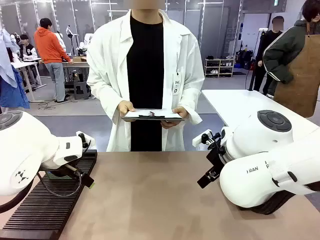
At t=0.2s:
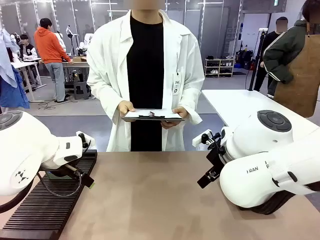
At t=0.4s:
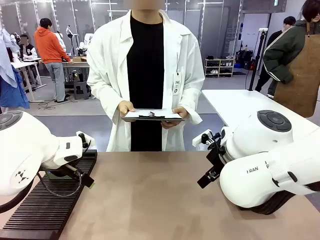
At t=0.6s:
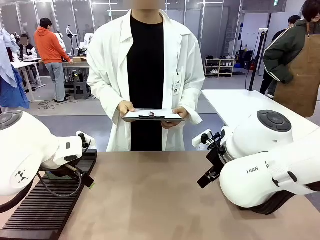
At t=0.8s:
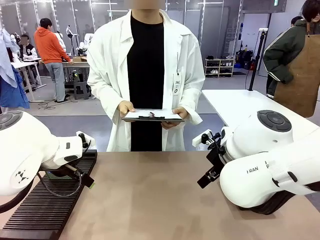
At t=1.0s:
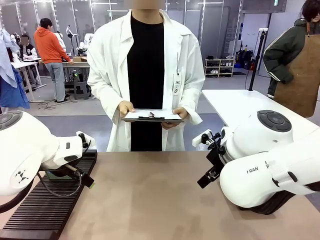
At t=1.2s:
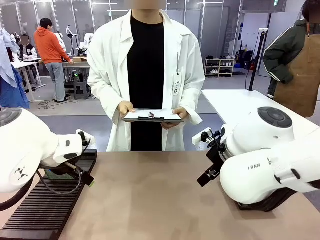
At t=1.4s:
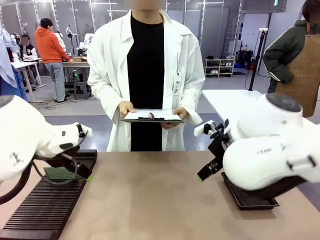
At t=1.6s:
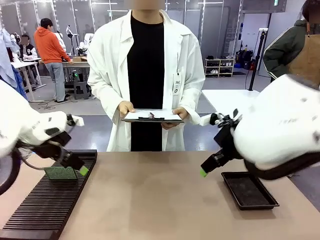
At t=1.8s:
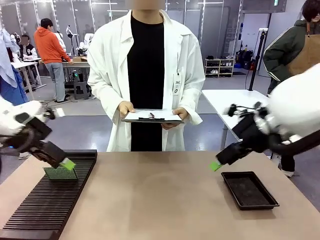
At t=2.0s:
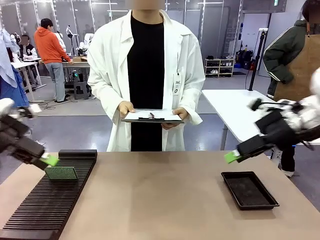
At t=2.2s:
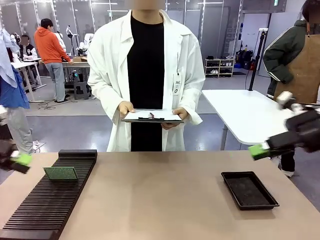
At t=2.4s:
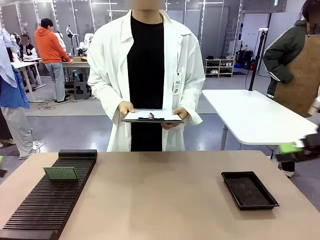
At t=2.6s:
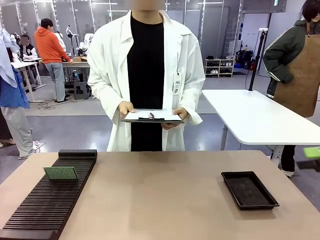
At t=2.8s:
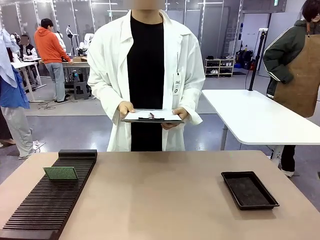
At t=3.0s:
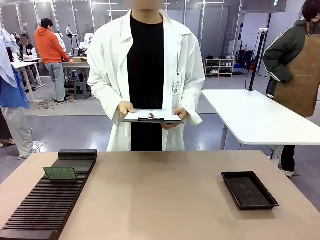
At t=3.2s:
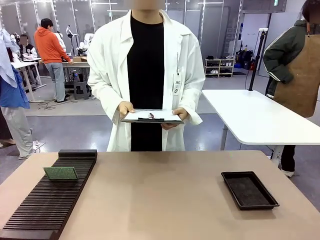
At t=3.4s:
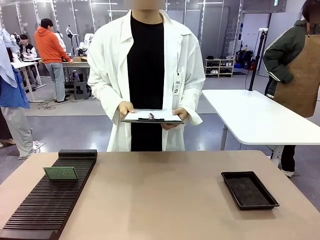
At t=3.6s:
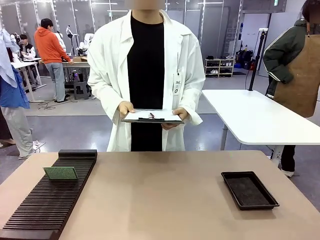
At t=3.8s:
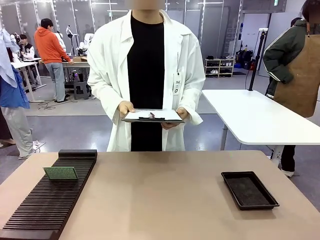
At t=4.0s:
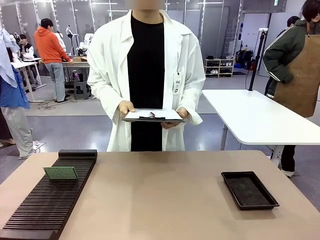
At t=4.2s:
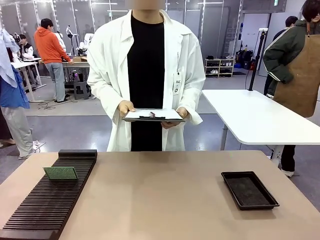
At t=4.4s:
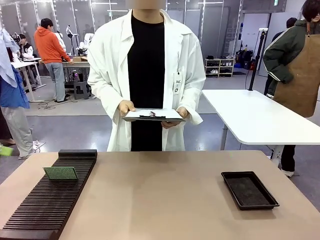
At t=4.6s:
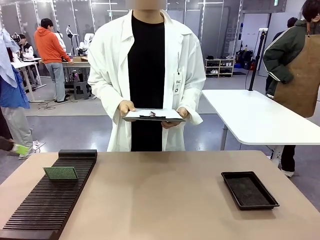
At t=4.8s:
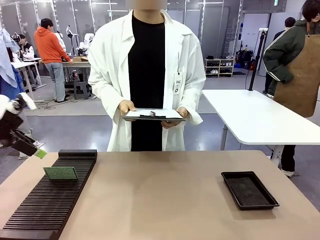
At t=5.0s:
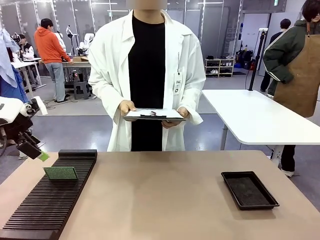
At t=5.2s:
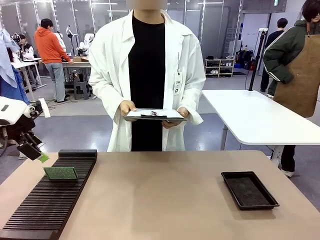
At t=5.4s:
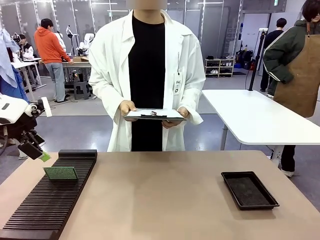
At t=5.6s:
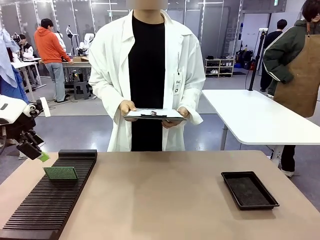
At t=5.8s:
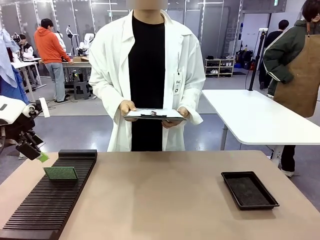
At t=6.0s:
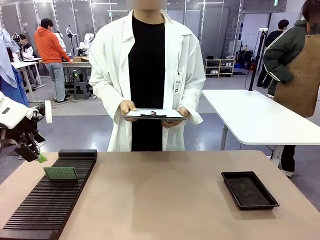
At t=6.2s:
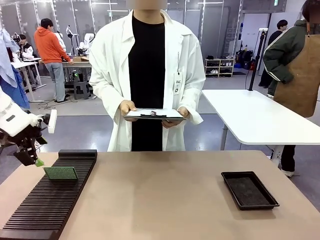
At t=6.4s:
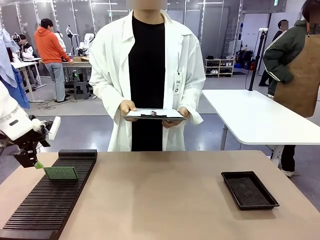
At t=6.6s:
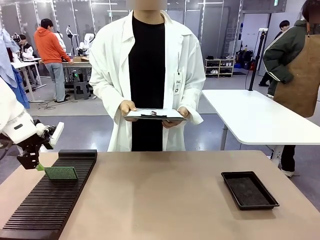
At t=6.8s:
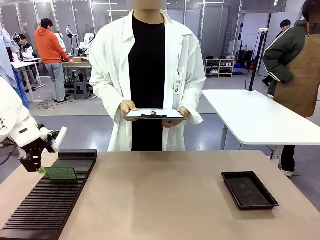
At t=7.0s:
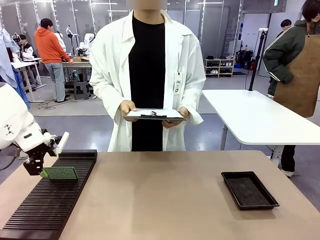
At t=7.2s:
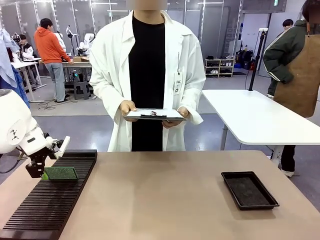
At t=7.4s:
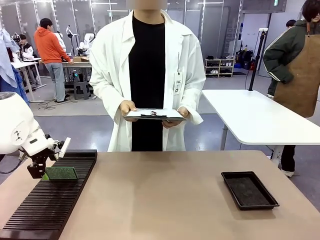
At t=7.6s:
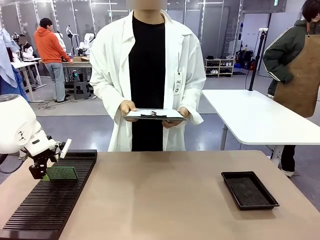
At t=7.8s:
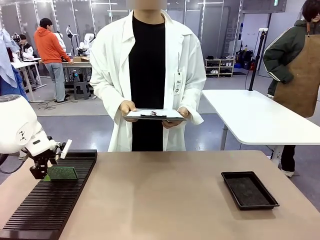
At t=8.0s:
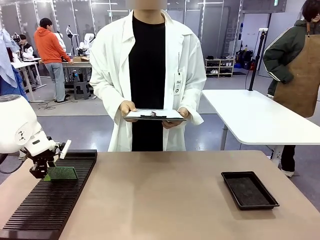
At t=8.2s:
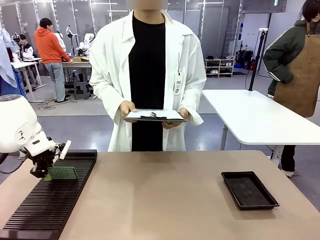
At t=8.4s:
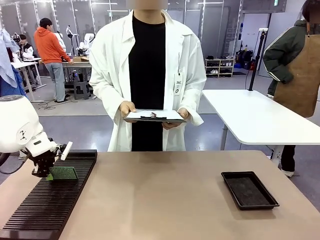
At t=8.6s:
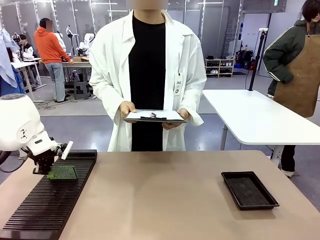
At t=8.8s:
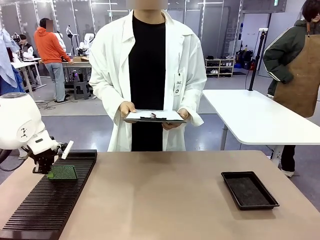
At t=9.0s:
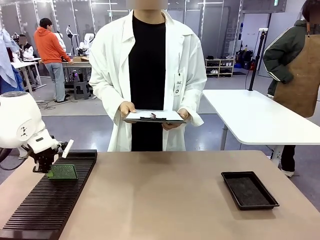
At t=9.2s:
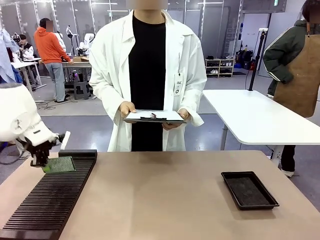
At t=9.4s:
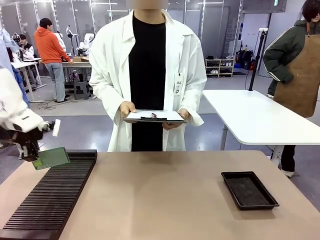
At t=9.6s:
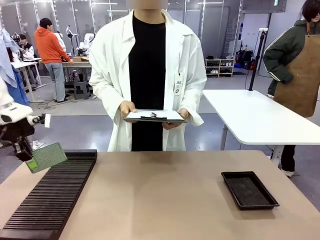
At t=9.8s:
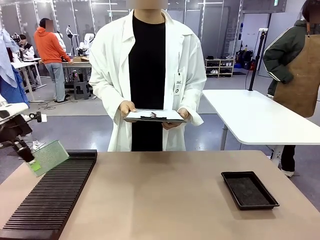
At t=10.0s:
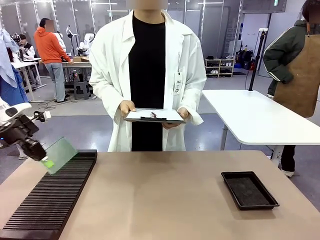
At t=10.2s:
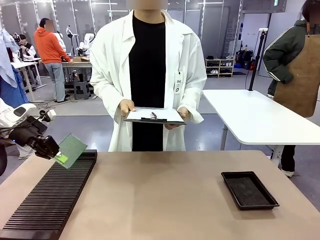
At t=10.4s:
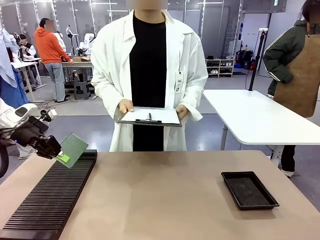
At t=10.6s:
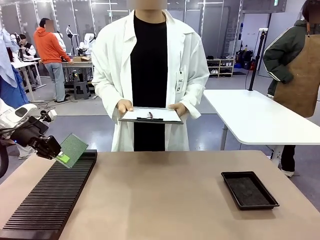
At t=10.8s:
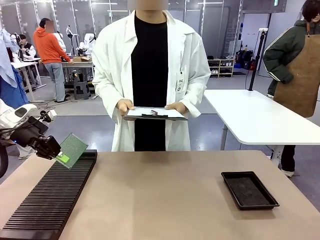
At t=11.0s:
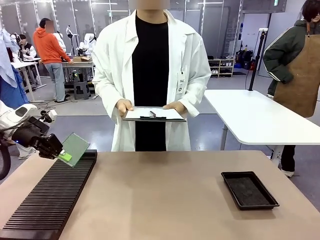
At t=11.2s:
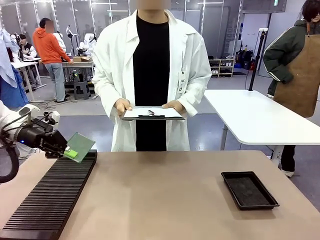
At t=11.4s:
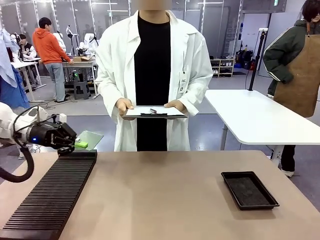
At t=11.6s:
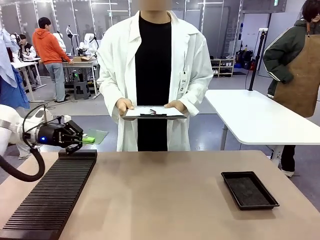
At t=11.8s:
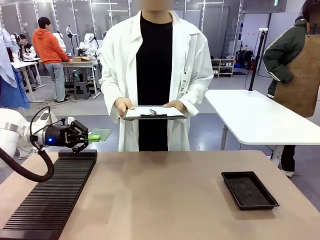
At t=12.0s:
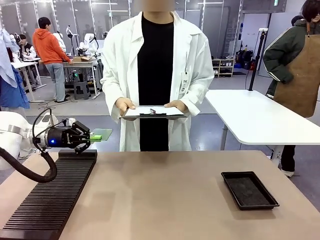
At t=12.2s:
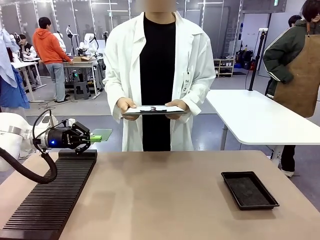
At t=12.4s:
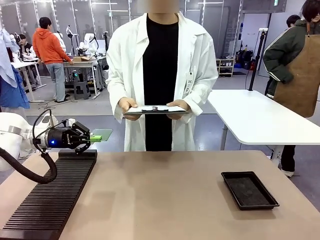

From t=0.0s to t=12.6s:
Task: Inspect the PCB.
Robot: Pick up the Blank PCB and present it to the human.
Person: Pick up the PCB presented by the robot.

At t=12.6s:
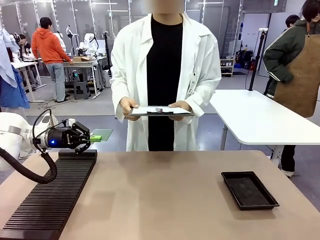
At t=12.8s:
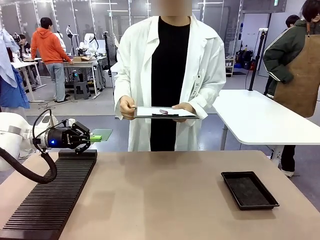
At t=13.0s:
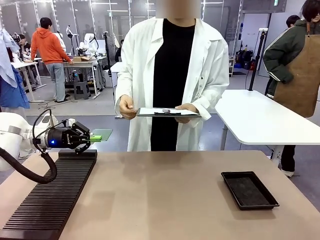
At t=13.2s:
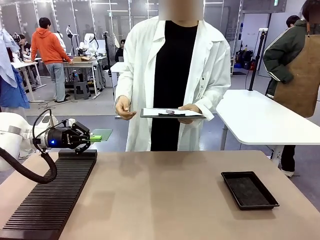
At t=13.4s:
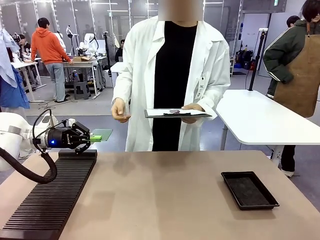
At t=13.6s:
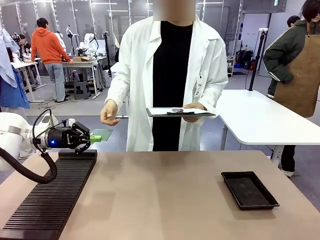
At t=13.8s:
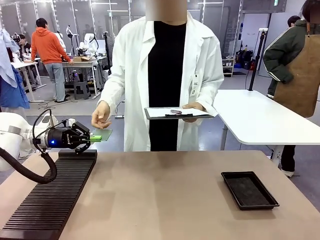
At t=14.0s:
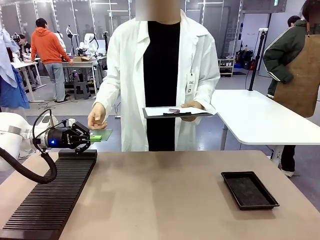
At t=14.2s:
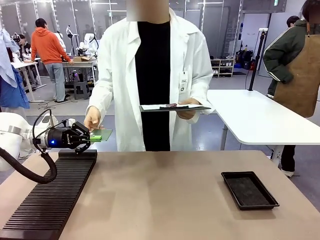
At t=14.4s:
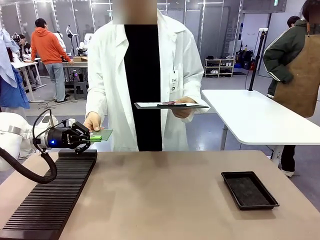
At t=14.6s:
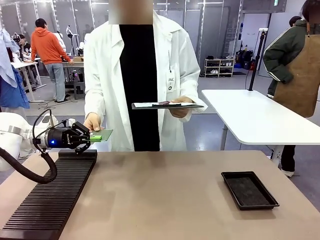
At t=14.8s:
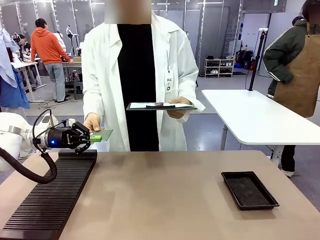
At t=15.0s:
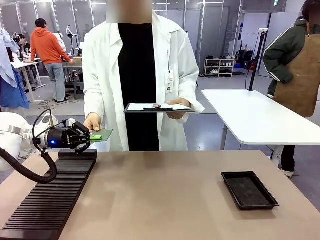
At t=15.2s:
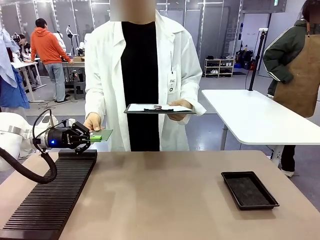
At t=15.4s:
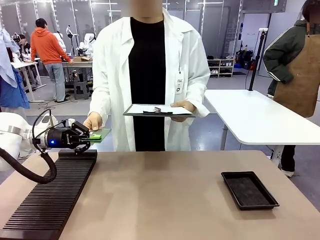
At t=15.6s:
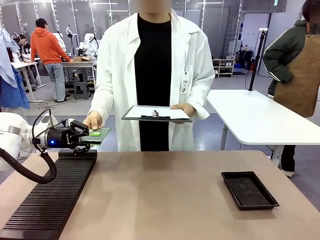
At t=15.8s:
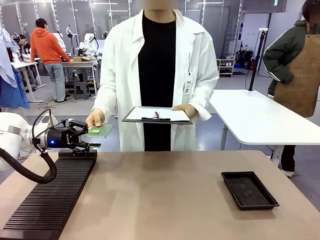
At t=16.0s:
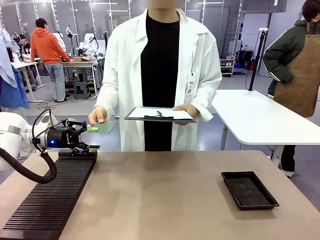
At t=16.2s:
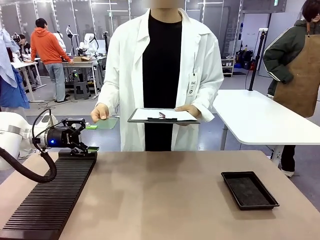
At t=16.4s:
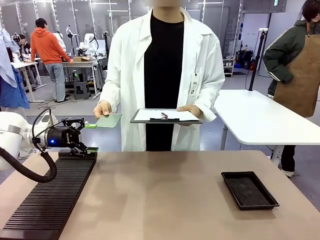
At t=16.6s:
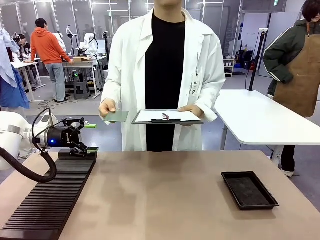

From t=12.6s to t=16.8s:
Robot: Release the Blank PCB you were holding.

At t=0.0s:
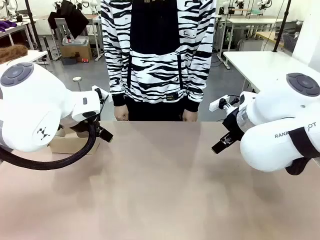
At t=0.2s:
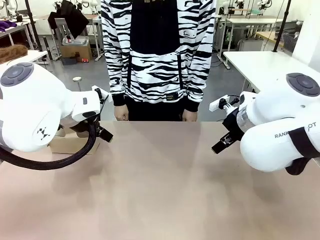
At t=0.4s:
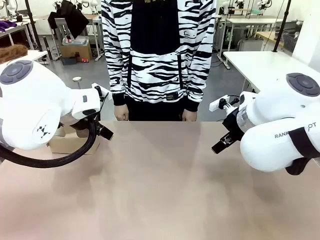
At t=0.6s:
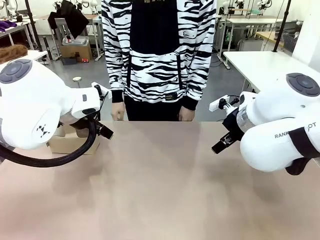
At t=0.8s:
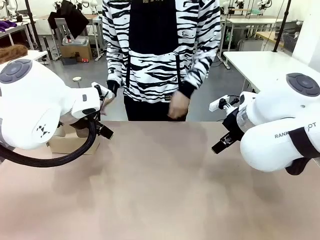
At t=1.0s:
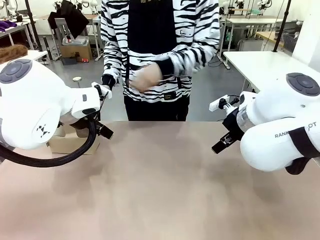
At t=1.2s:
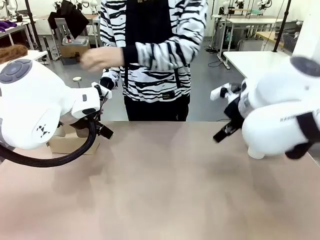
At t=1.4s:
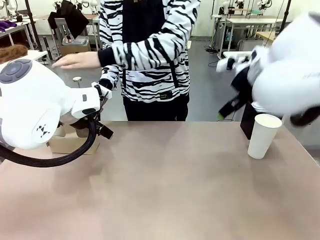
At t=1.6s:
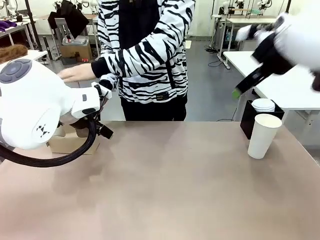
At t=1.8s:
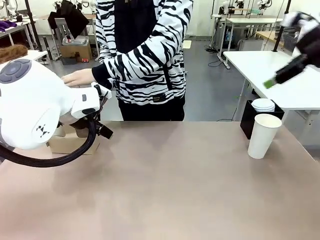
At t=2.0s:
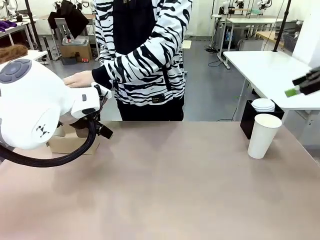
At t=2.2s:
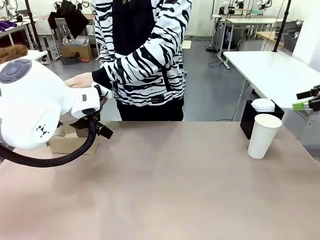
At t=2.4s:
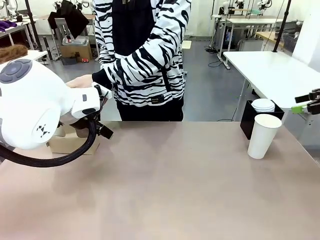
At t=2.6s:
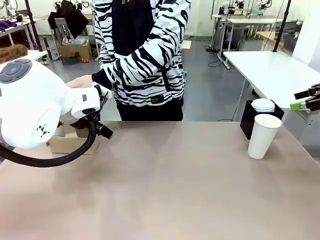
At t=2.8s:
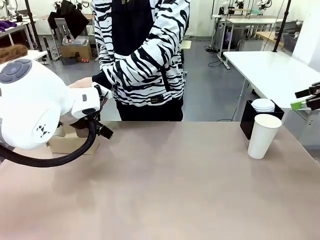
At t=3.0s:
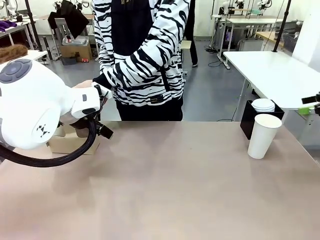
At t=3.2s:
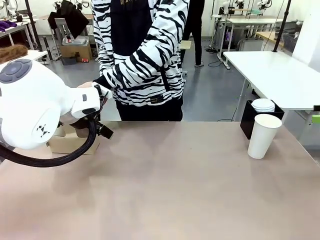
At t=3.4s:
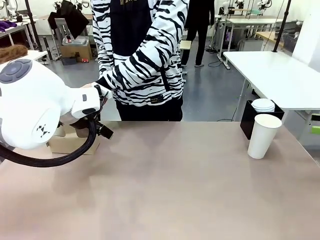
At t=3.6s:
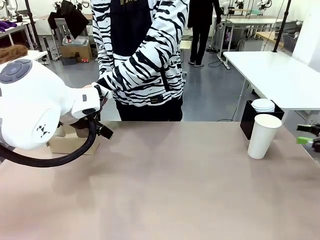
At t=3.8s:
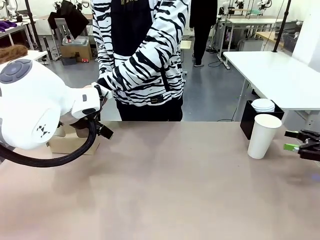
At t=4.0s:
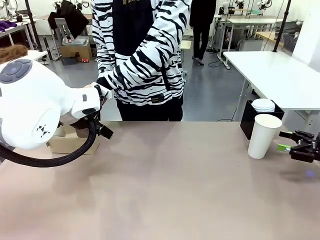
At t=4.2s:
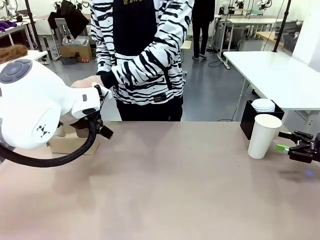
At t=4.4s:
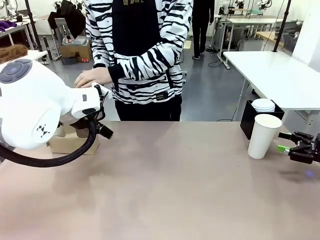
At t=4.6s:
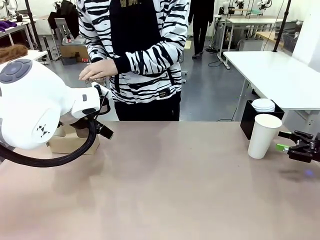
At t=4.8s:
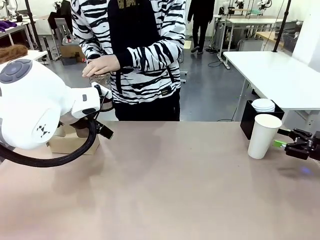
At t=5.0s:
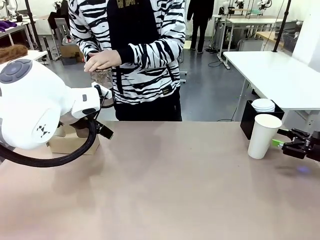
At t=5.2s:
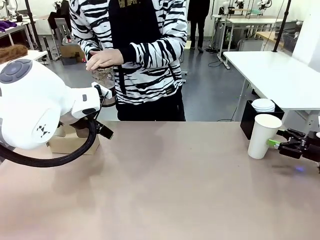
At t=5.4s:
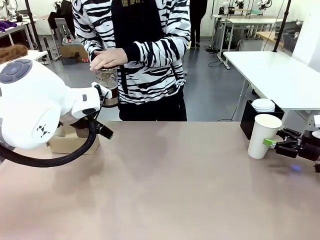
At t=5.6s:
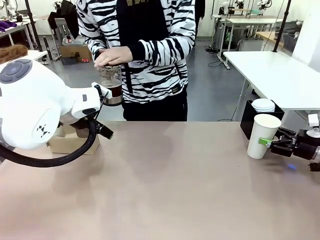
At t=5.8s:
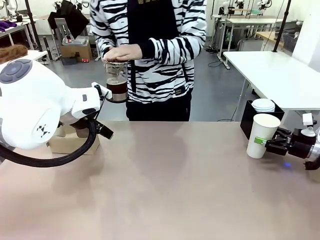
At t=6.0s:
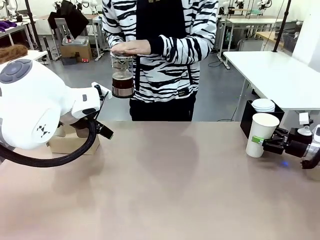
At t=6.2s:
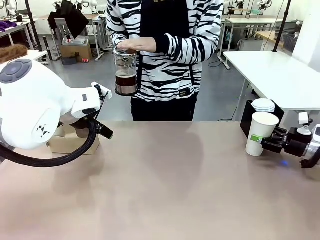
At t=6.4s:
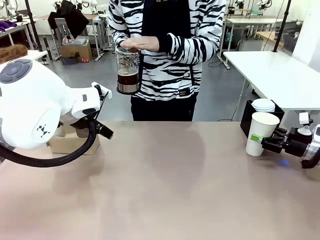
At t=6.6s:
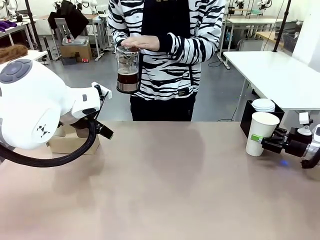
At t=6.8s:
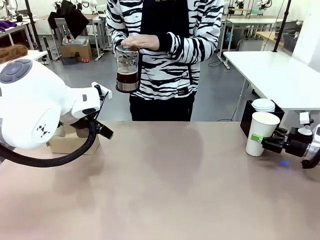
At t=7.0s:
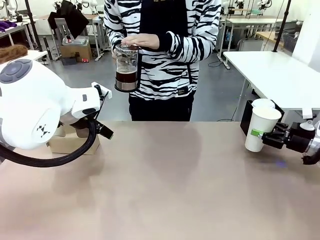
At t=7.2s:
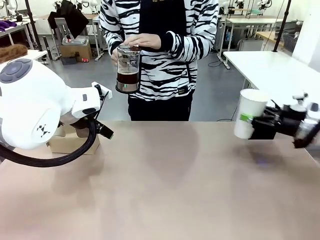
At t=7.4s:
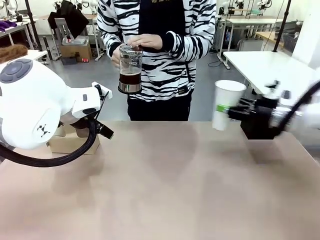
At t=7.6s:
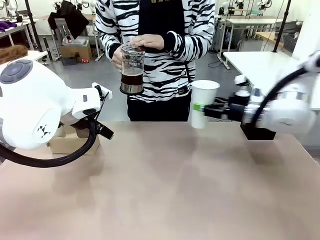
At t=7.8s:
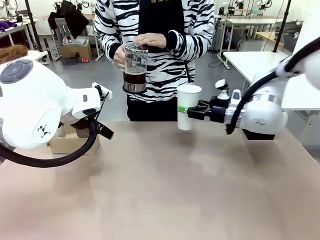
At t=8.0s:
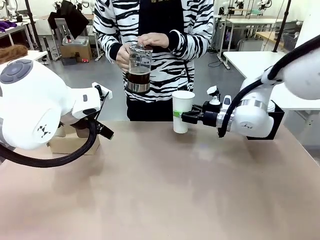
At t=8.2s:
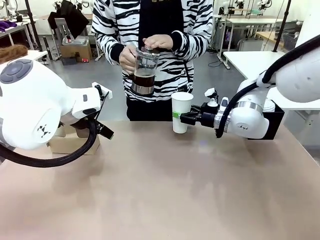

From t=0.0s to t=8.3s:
Task: Pour a drink into a cup and package it in a carrier.
Robot: Pick up the 600 ml Paper Cup and place it in the middle top area of the table.
Person: Press and pick up the Filter Brewing.
